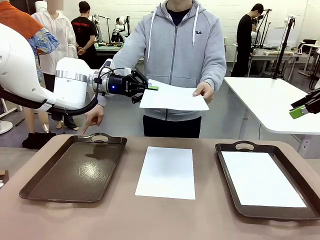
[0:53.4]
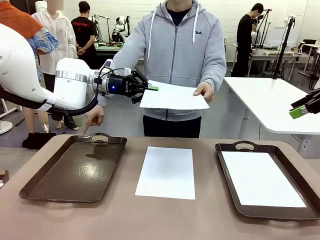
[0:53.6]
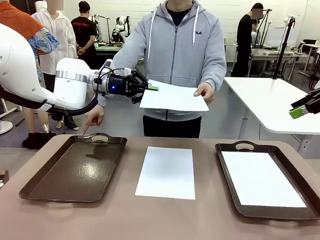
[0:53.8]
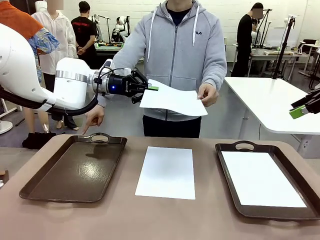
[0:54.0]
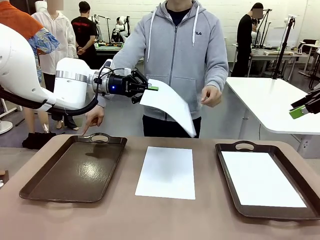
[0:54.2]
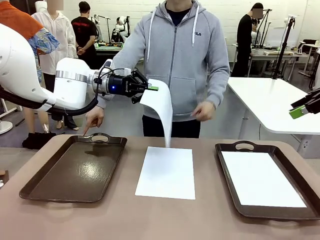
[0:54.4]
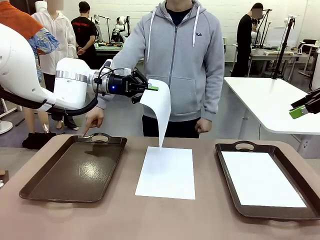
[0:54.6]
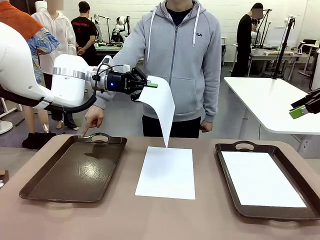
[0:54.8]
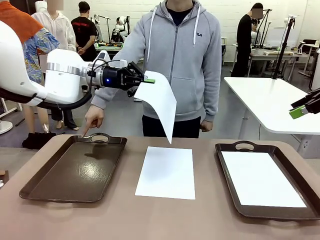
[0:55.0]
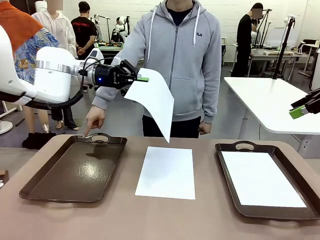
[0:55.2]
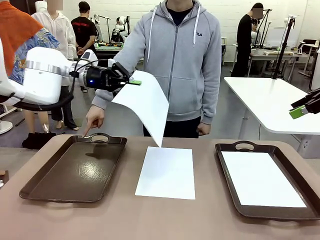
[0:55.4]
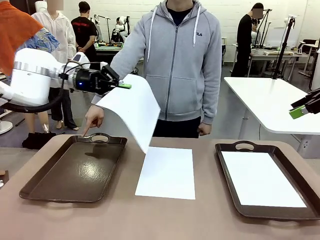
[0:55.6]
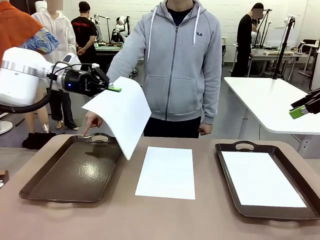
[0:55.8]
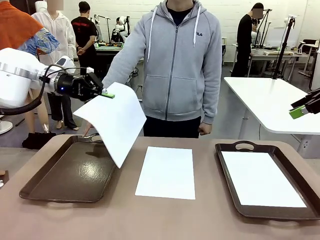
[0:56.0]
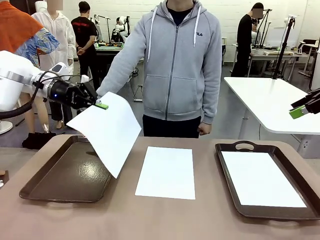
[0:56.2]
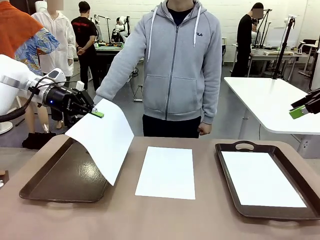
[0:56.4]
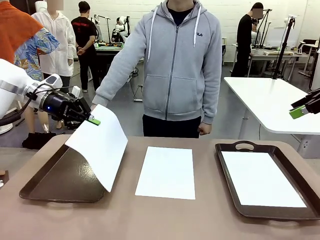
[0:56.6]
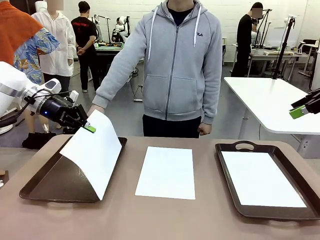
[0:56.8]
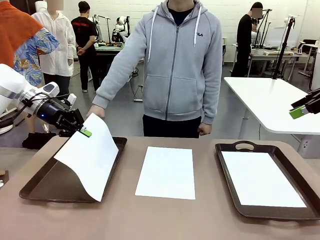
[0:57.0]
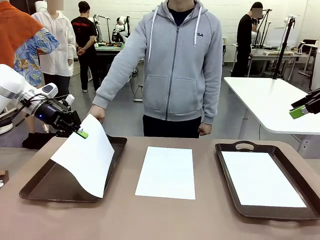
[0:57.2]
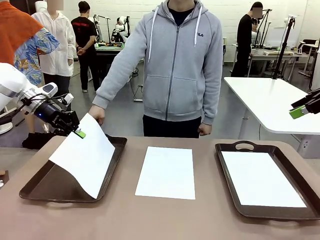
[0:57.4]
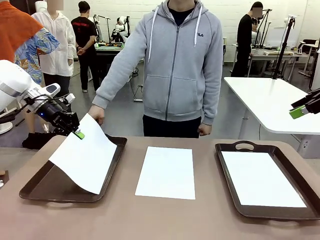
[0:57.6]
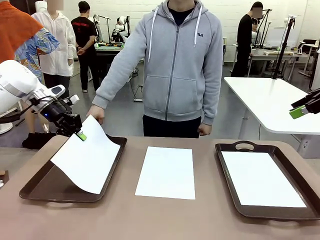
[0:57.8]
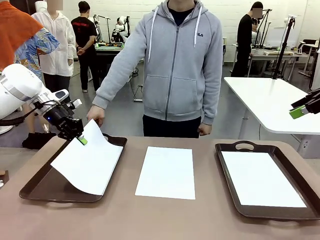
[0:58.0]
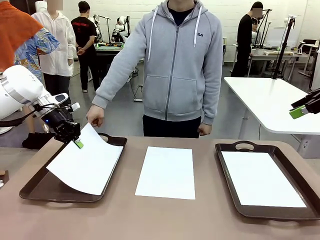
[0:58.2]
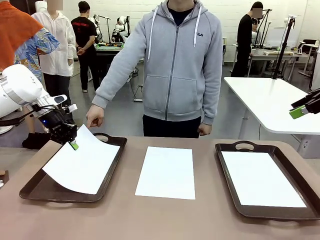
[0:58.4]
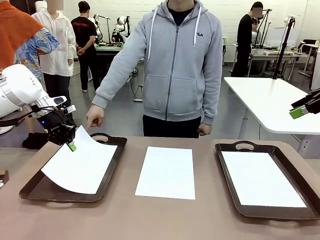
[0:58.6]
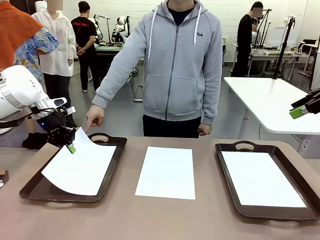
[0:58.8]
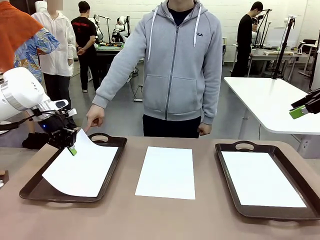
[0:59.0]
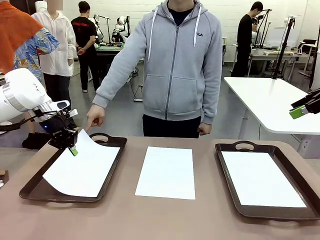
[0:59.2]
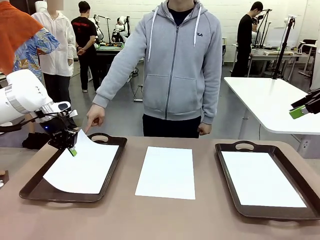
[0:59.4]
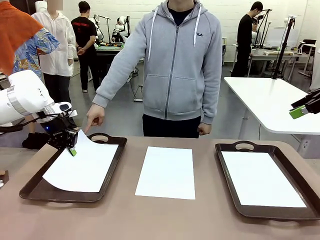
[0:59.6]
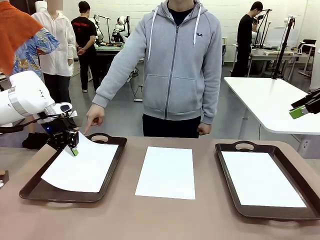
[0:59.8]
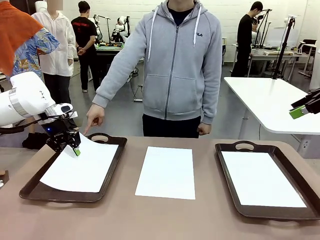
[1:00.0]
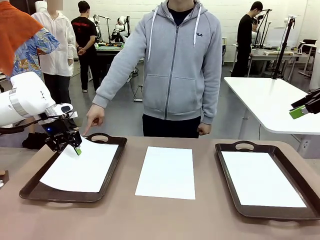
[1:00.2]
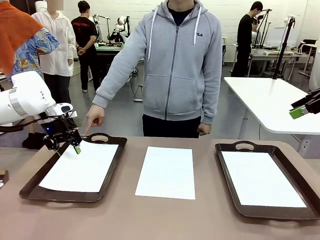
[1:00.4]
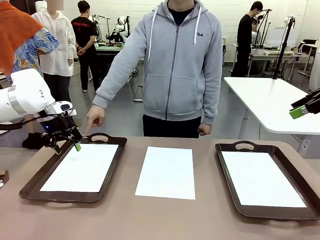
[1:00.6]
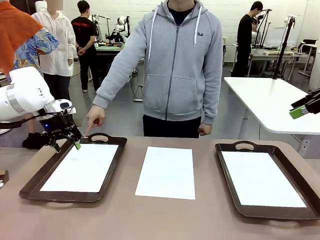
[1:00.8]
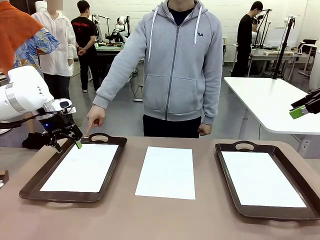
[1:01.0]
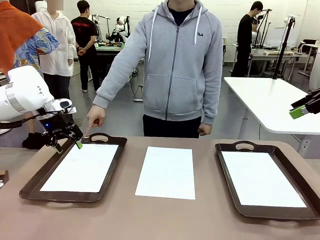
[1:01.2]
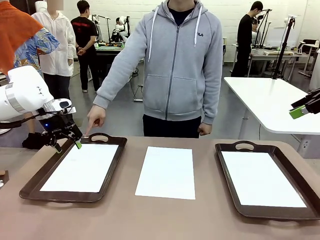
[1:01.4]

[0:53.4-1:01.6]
Task: Sort the A4 documents.
Robot: Place the A4 Paper in the designated Handle tray.

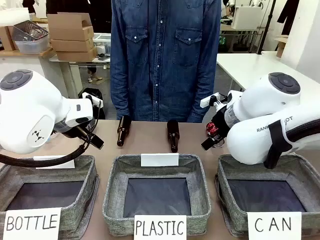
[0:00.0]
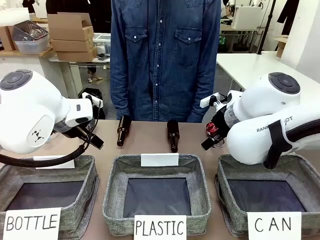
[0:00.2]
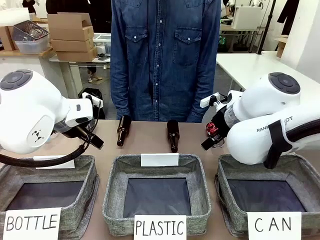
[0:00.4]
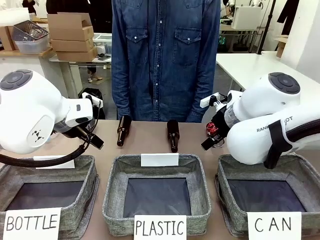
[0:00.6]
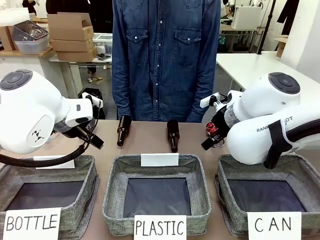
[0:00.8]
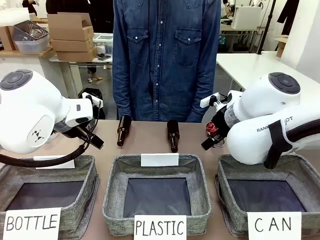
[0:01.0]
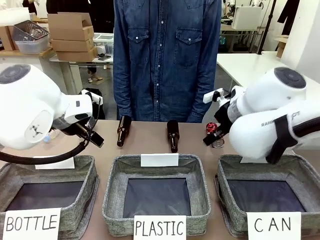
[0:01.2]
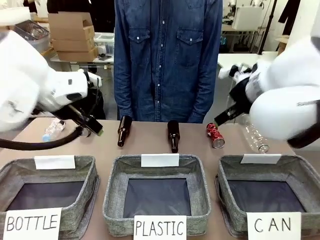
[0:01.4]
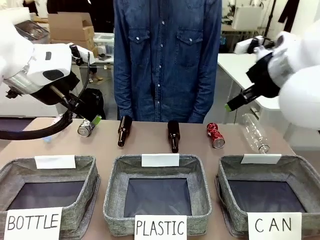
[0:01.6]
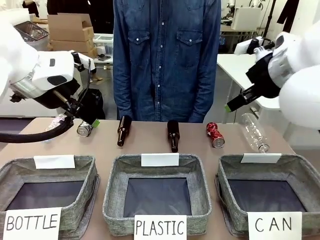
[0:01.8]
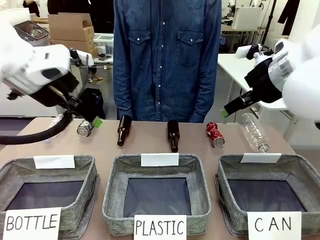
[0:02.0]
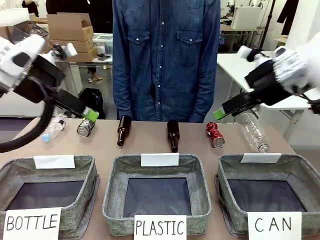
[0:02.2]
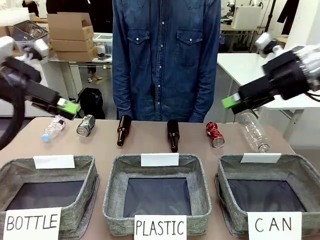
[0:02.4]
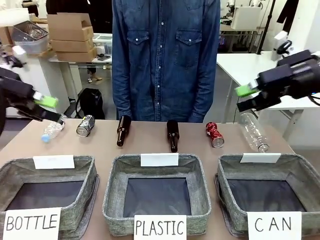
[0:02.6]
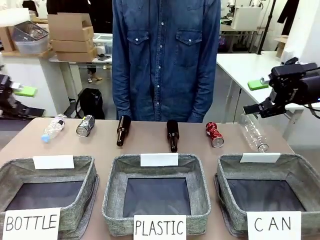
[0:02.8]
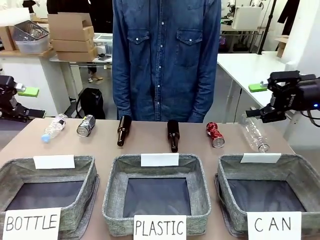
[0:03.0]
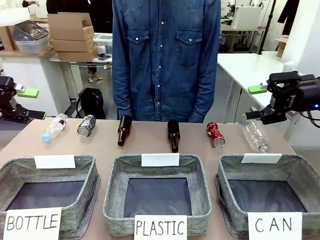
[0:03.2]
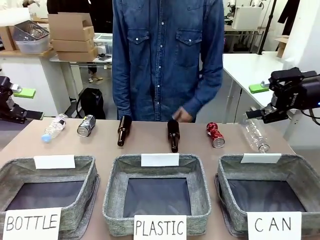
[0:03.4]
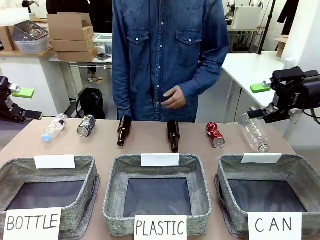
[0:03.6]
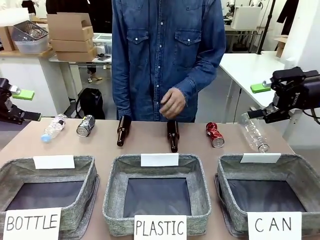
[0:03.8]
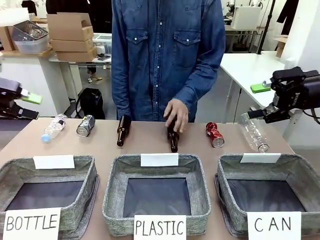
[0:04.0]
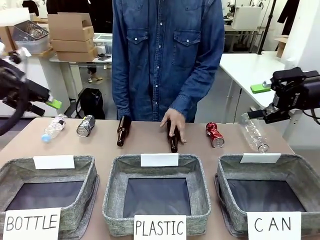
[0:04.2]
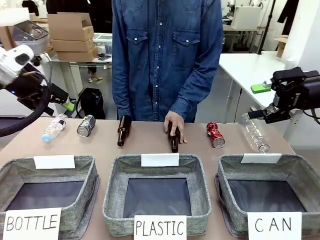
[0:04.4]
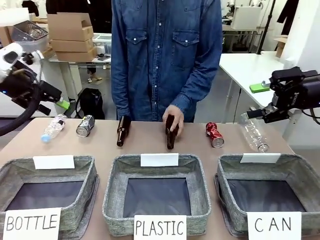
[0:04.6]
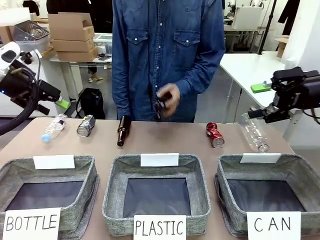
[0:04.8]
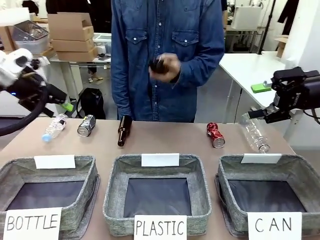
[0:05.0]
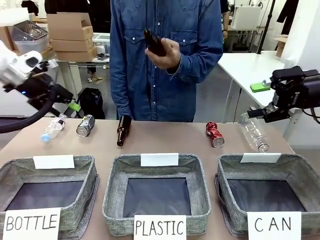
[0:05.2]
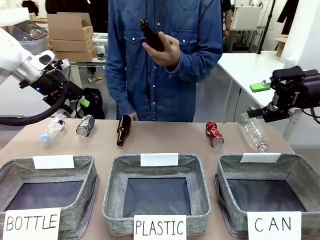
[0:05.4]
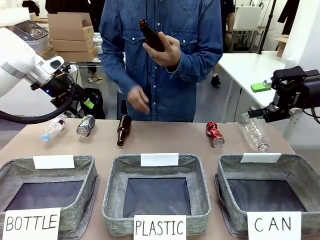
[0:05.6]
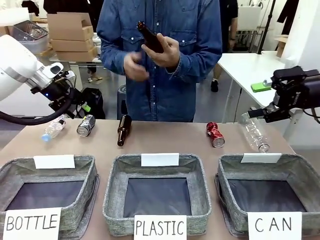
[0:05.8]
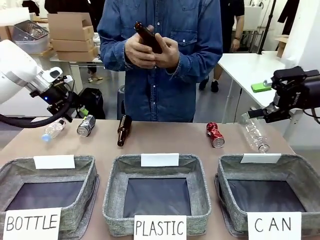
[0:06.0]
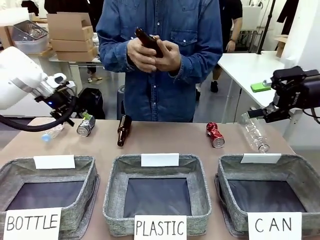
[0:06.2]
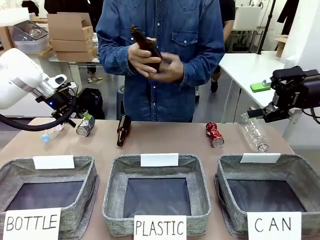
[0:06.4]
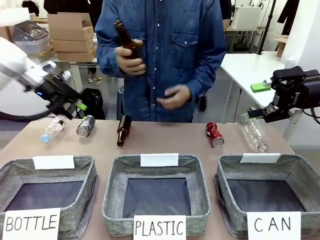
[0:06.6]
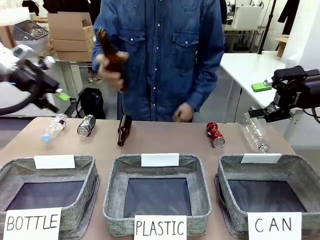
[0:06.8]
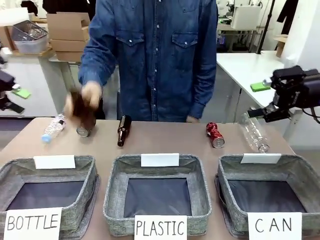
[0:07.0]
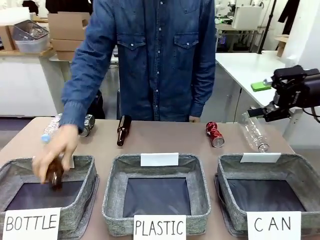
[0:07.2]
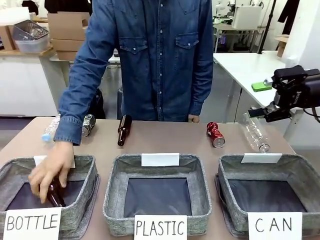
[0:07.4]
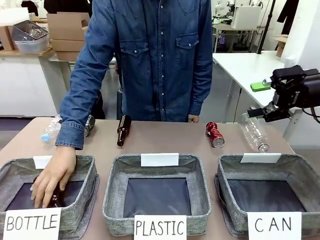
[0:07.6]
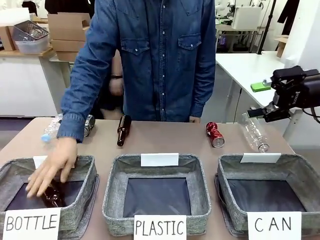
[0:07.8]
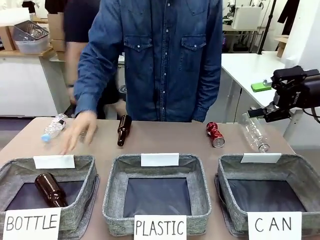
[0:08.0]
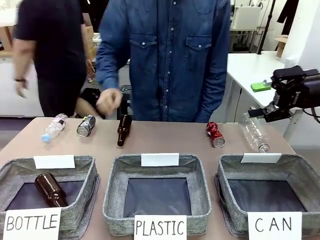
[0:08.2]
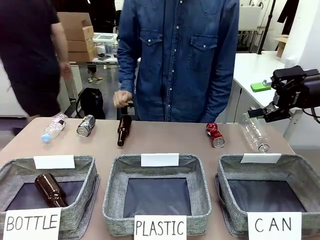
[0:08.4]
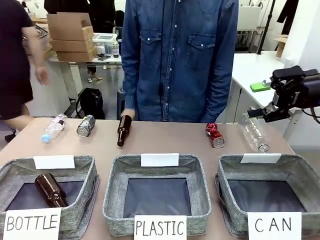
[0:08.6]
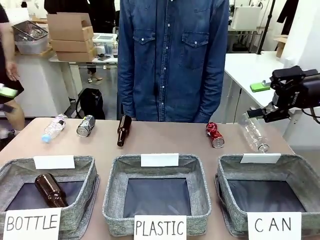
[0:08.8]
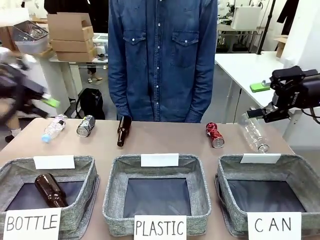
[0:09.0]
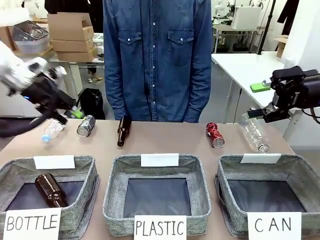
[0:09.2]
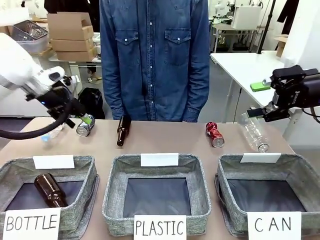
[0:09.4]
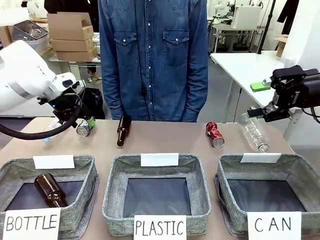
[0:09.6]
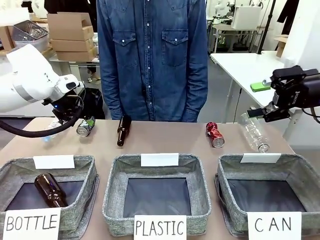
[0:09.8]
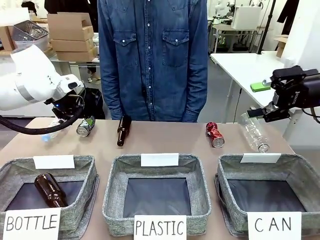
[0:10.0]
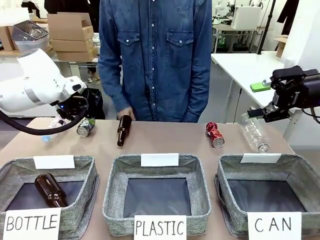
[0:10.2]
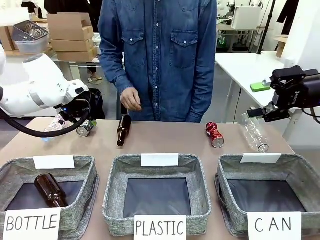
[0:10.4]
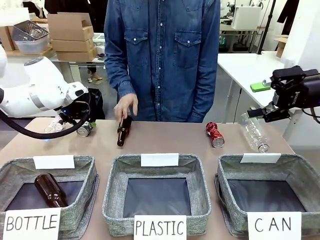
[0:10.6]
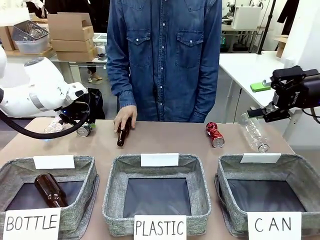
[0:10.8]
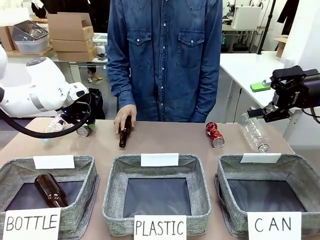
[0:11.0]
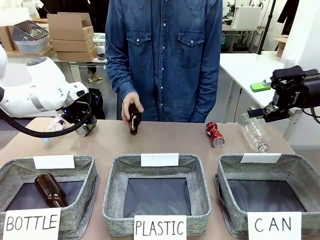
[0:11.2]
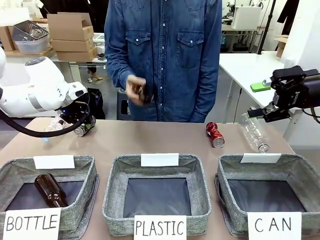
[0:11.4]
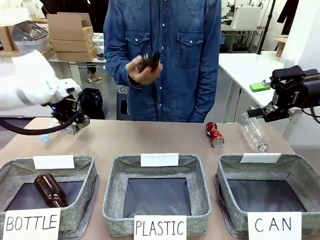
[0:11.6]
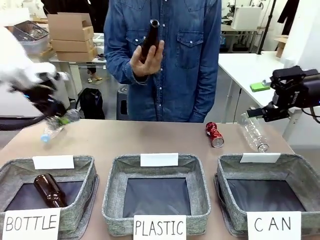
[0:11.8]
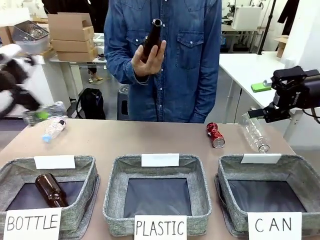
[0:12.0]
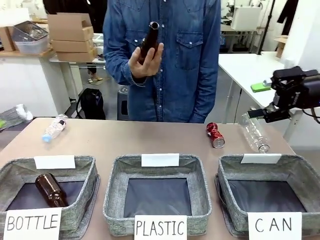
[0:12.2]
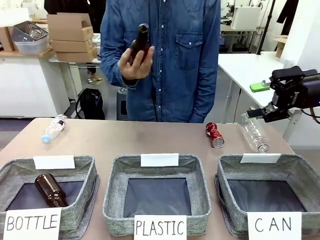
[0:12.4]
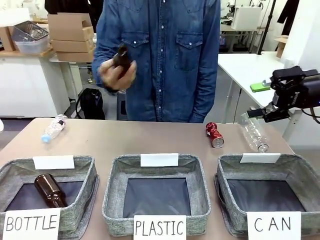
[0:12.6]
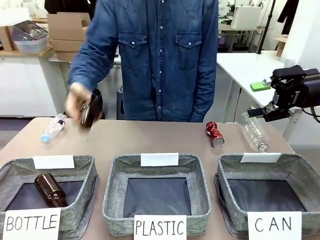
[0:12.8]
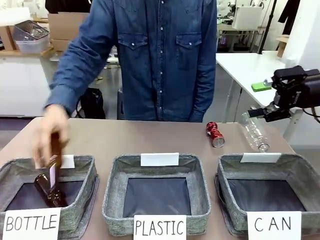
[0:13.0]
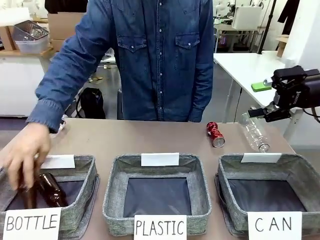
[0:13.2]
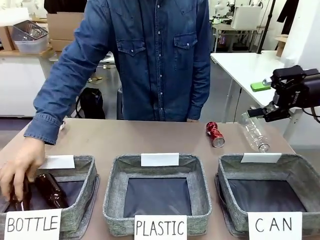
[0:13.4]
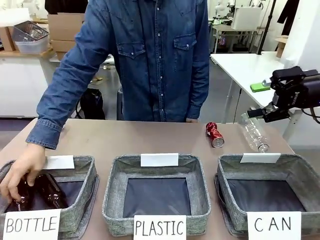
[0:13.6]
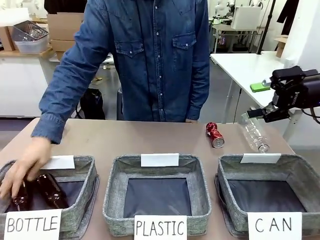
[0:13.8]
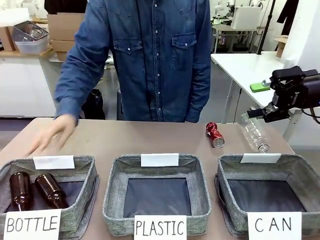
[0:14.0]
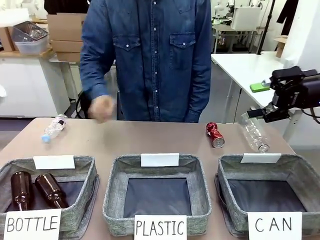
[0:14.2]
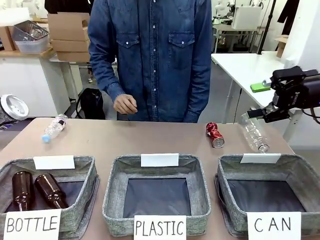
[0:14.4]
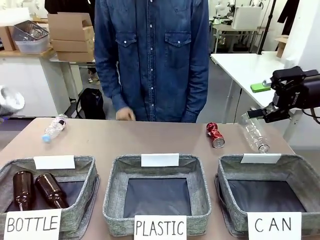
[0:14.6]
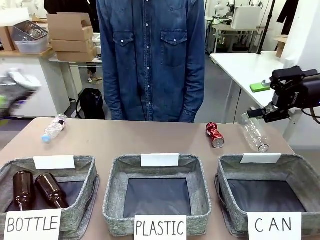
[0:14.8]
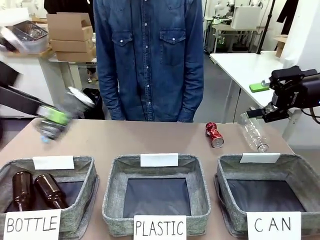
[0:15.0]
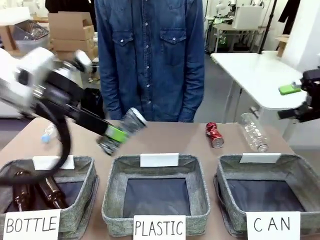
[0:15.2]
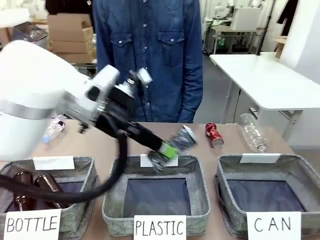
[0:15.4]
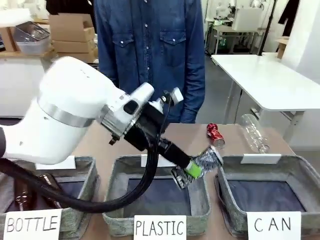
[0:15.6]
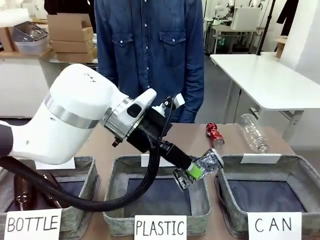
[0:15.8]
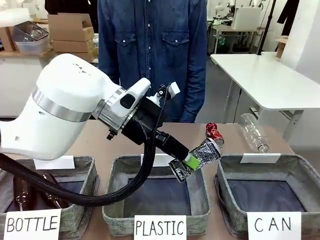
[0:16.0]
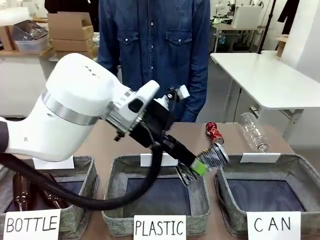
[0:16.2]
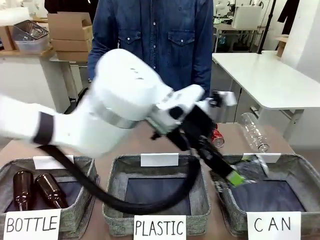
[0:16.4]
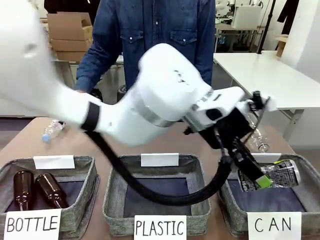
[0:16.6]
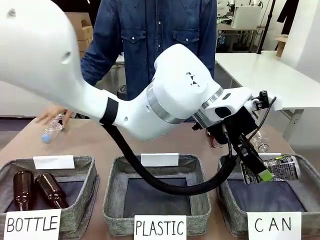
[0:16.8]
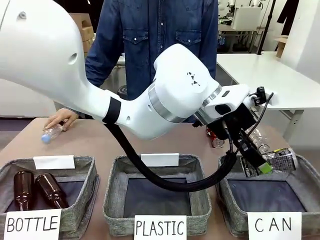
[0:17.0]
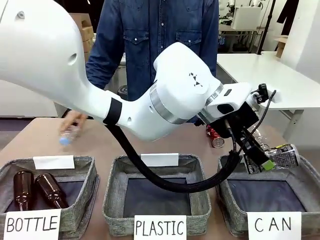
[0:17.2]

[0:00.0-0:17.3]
Task: Sort the can waste into the basket.
Robot: Pick up the can waste from the table and place it in the right Fabric basket.
